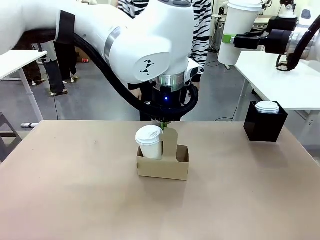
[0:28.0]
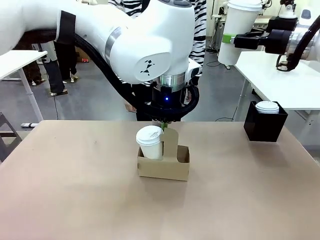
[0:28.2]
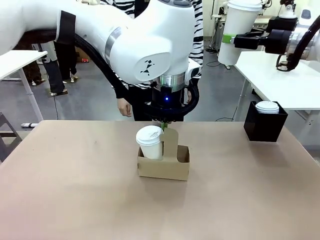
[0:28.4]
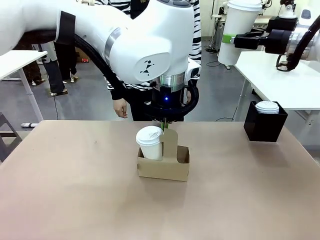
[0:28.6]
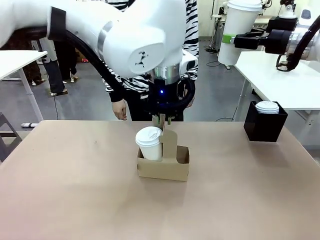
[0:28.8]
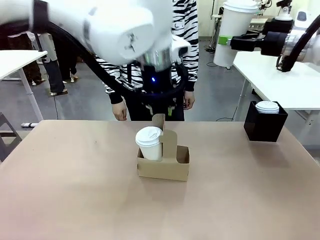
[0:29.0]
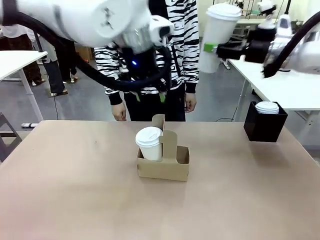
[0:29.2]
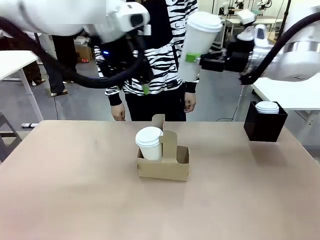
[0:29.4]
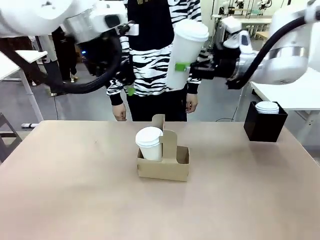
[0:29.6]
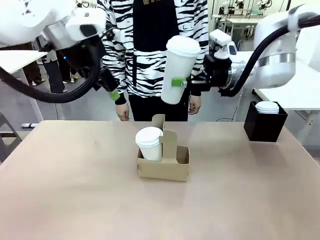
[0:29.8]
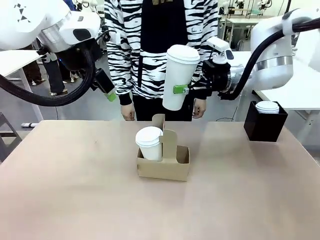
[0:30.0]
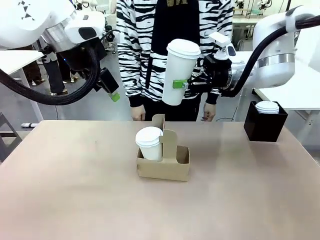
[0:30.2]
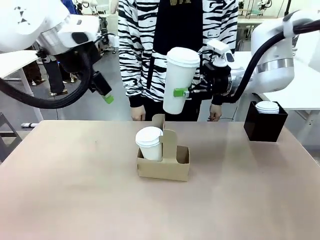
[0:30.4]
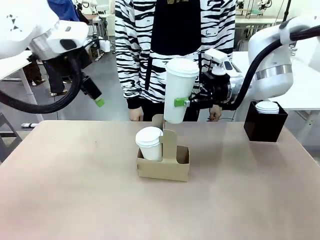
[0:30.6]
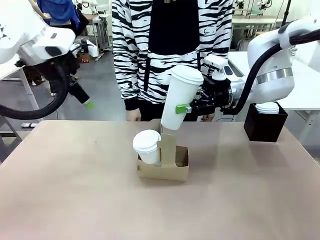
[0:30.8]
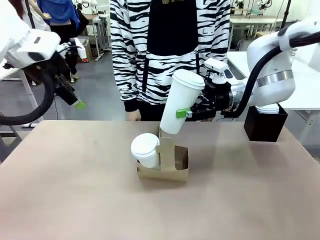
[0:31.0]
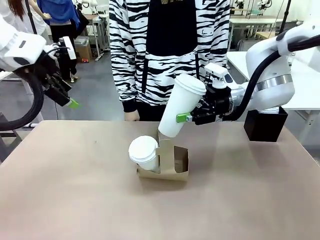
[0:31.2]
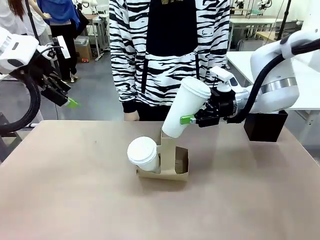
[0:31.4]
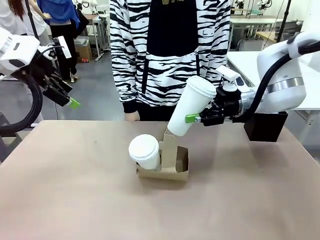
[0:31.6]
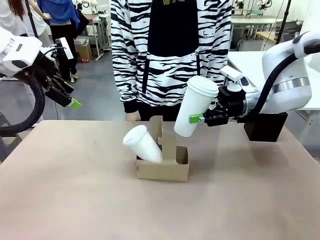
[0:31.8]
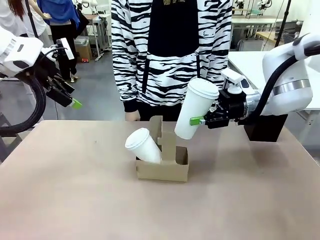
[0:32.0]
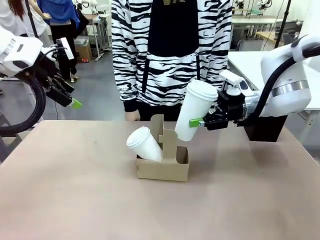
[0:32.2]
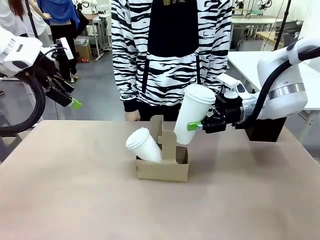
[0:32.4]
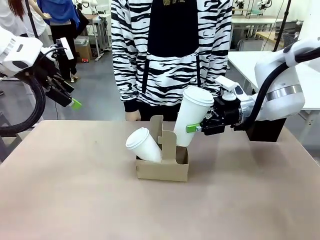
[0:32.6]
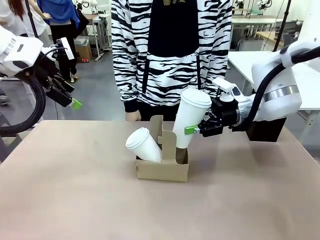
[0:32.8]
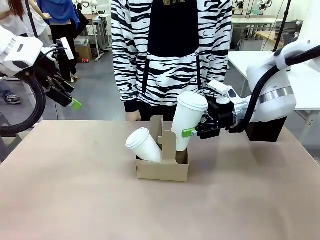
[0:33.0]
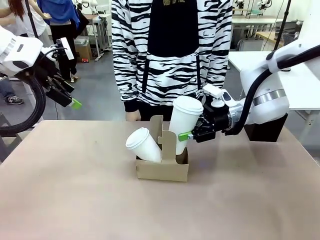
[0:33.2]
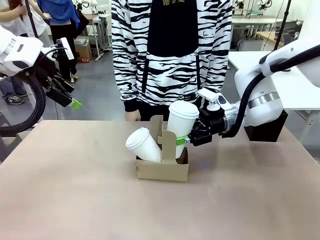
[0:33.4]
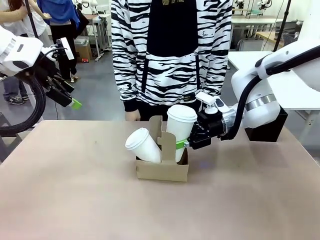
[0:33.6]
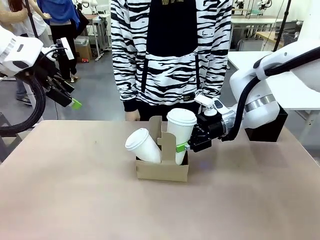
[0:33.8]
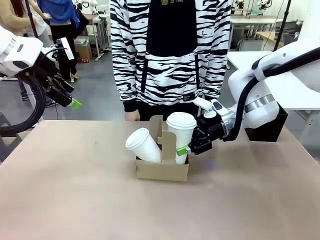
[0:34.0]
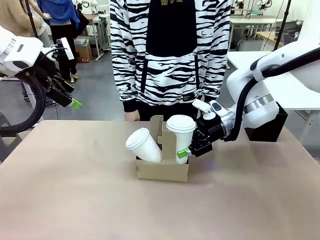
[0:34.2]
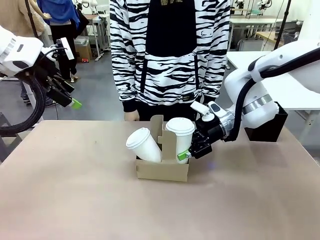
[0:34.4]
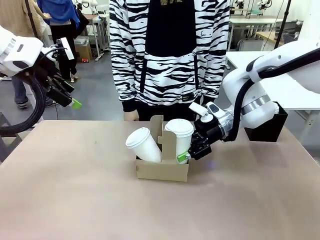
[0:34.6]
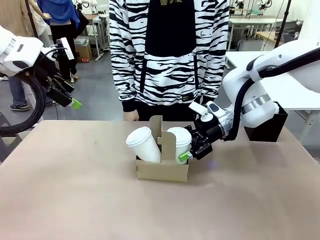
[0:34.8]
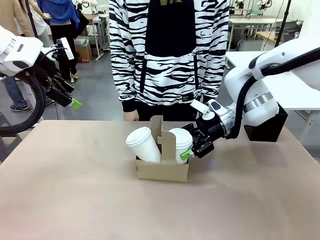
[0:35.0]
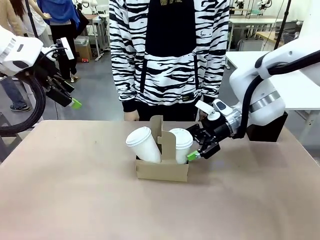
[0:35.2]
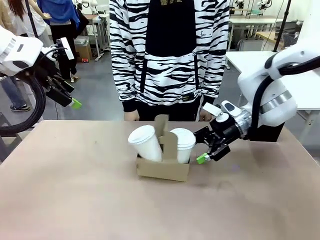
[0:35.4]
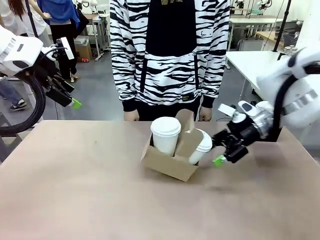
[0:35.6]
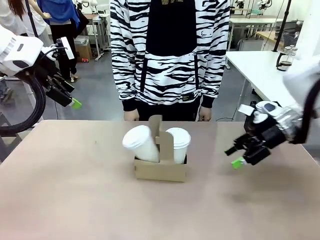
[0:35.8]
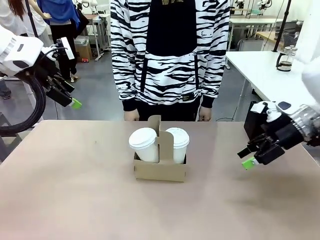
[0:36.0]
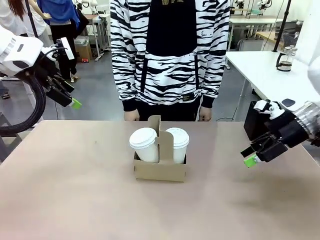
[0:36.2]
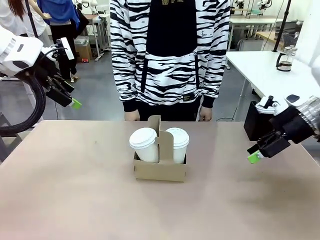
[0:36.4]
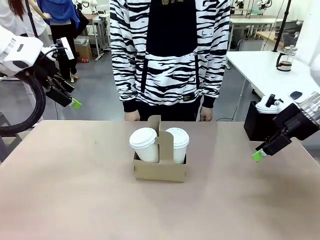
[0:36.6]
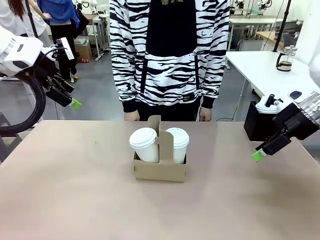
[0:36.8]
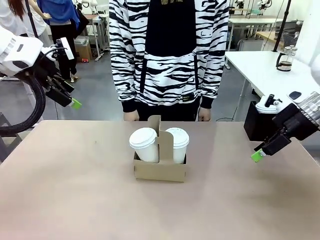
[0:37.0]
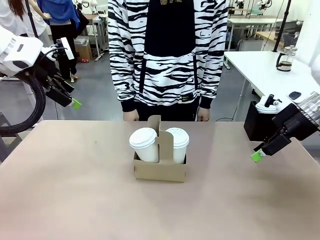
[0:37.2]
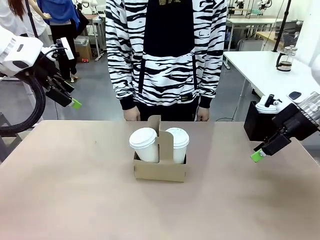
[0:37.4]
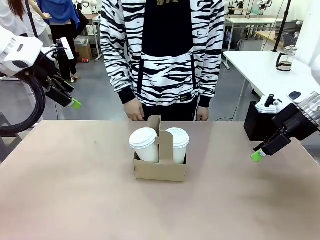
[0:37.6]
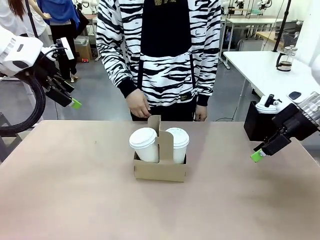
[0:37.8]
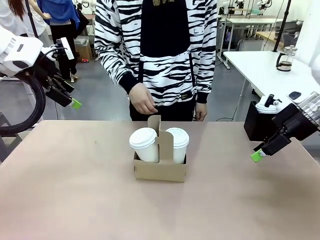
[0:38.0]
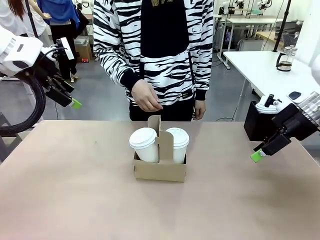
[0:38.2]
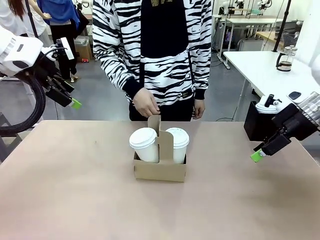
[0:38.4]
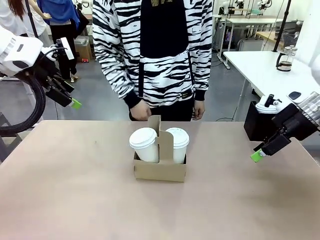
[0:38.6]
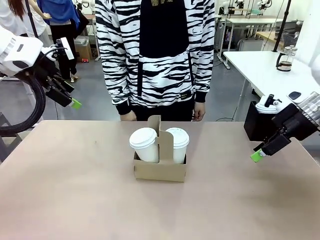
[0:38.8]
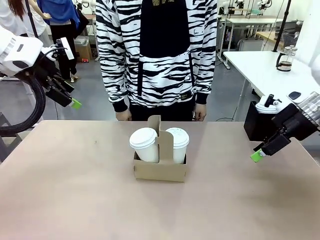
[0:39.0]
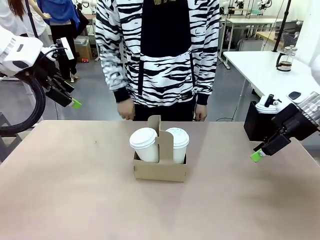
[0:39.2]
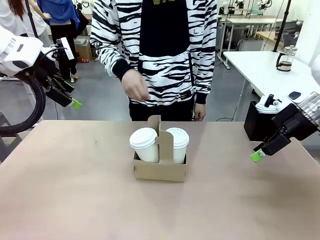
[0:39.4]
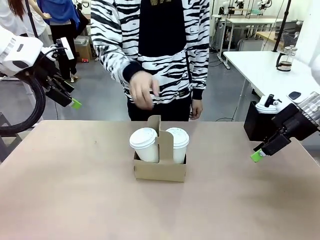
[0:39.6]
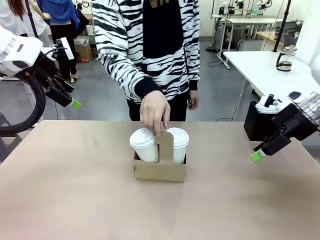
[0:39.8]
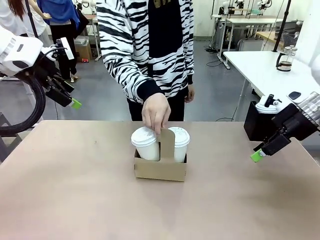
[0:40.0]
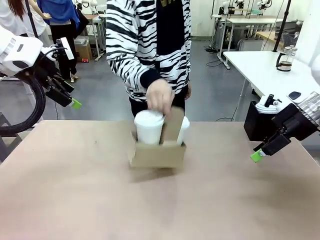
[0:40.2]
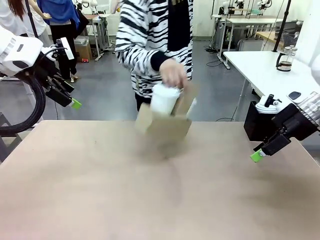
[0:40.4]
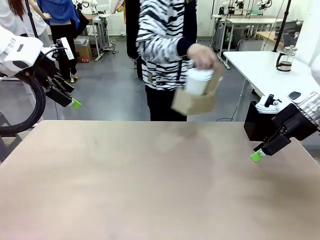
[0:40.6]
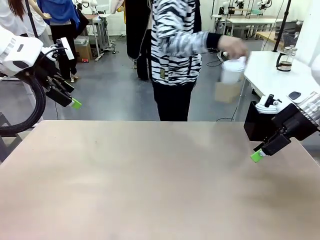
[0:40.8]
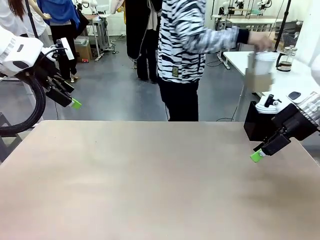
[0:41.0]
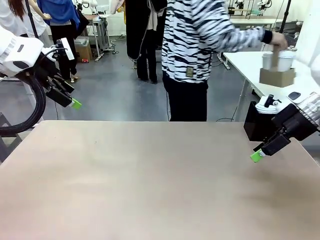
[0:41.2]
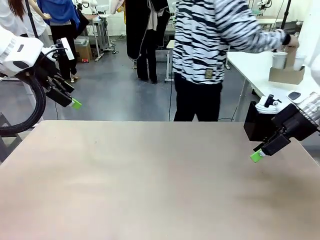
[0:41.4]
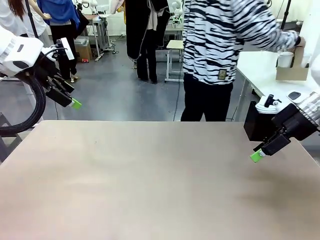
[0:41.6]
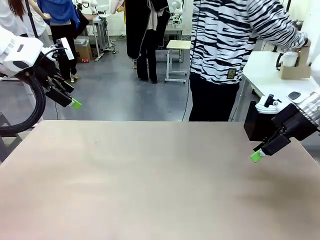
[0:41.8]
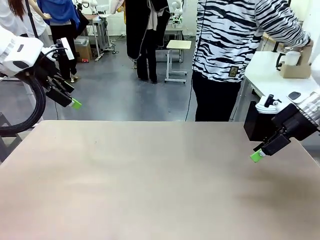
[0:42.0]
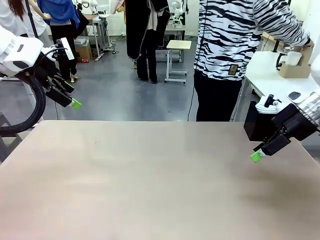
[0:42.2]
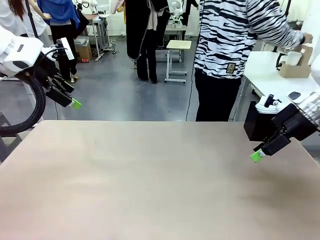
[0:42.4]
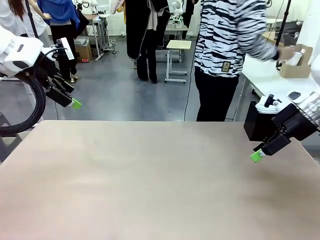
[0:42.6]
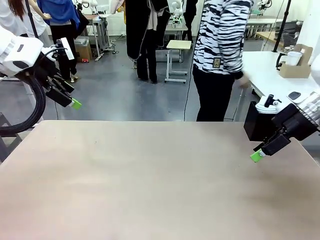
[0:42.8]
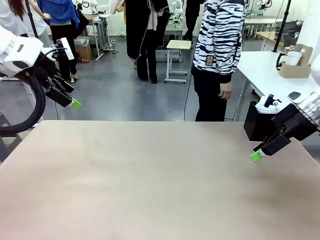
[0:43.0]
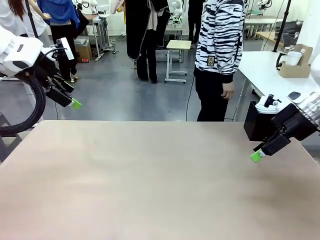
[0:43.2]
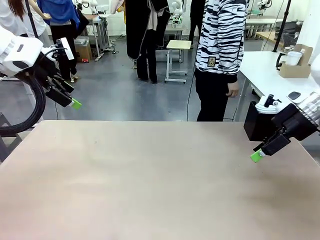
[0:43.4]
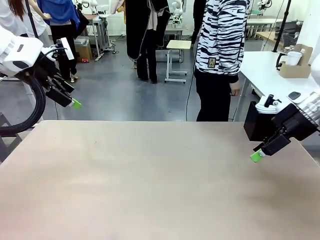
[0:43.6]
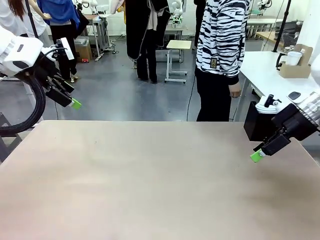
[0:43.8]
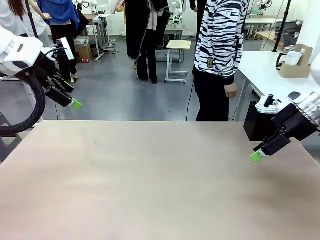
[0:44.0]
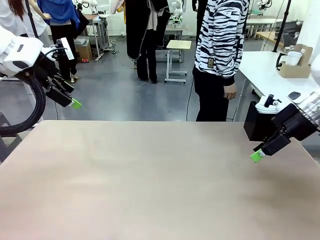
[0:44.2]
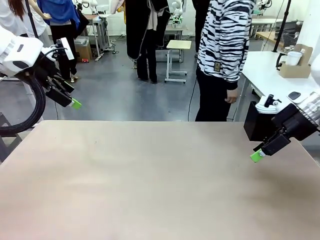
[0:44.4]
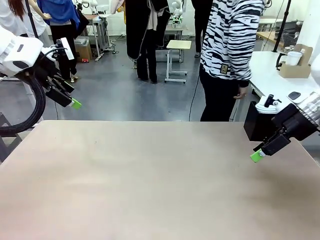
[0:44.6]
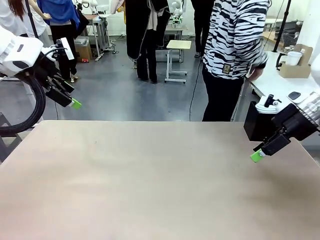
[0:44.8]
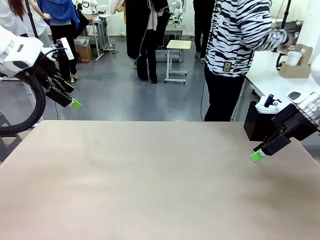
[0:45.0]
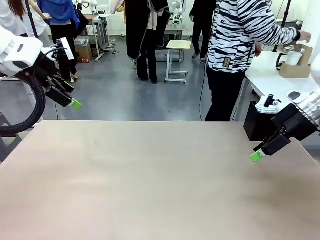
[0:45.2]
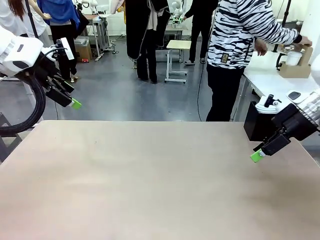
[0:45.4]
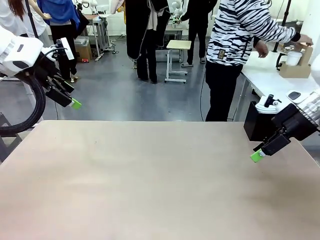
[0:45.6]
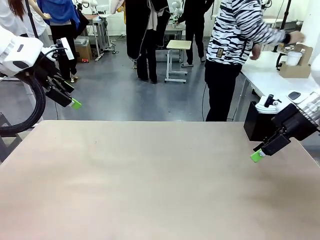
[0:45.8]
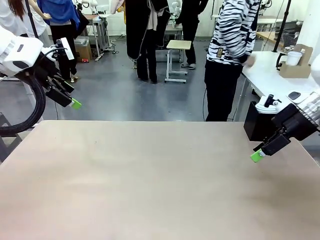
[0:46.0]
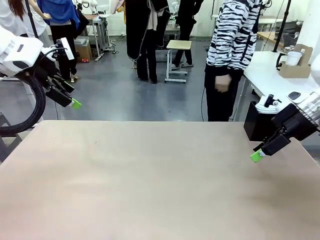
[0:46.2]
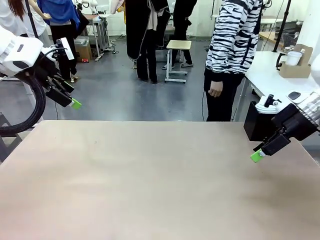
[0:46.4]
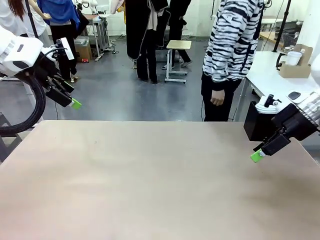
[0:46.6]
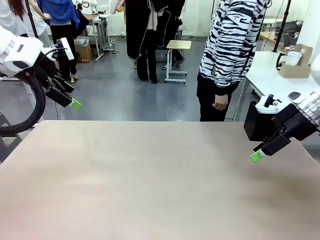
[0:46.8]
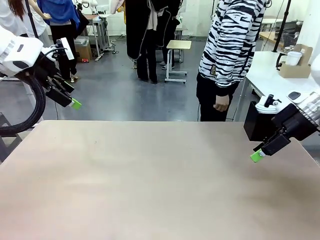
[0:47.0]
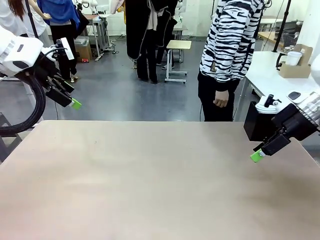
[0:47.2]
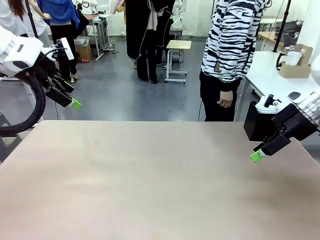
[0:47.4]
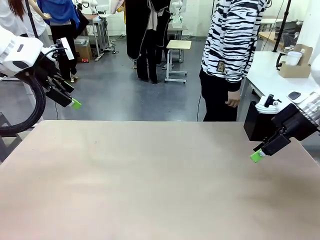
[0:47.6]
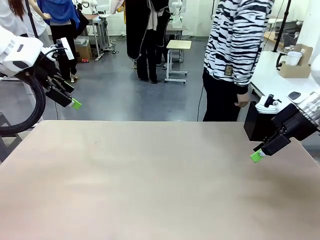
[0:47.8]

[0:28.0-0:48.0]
Task: Pour a drink into a cup and package it in a carrier.
Robot: Insert the held 600 ml Paper Cup into the Cup Carrier.
Person: Place the Cup Carrier to the middle of Human table.
